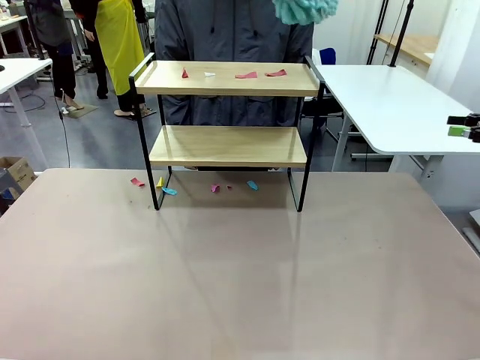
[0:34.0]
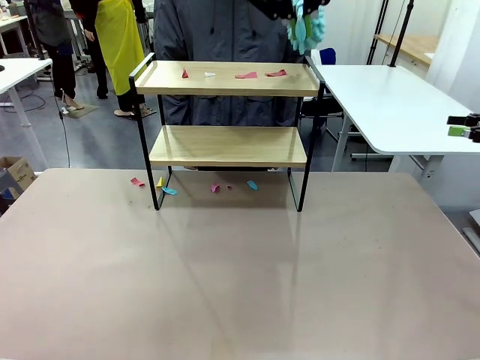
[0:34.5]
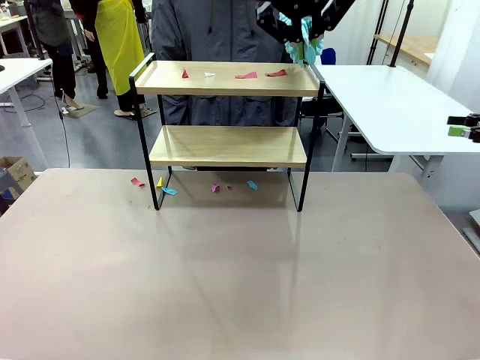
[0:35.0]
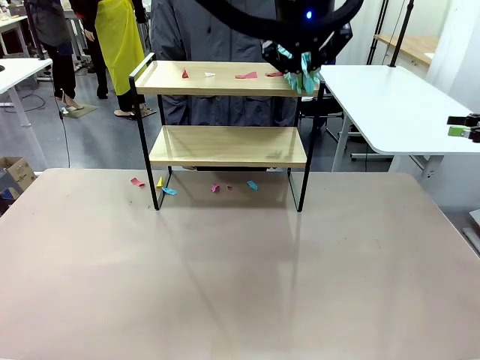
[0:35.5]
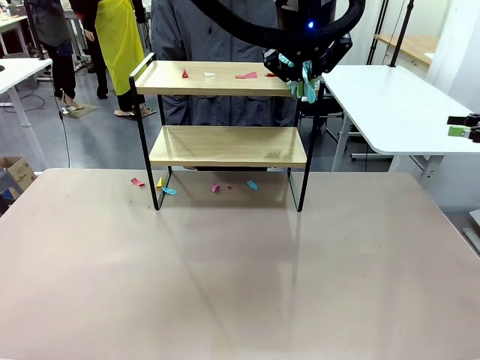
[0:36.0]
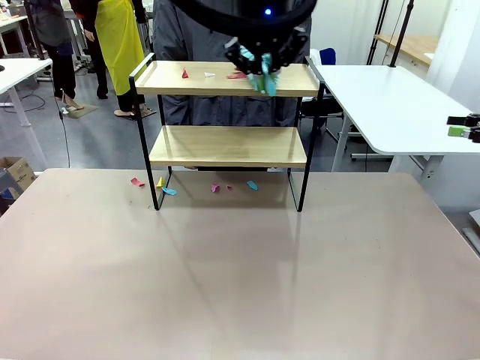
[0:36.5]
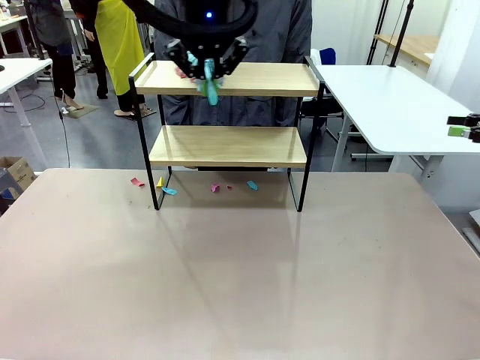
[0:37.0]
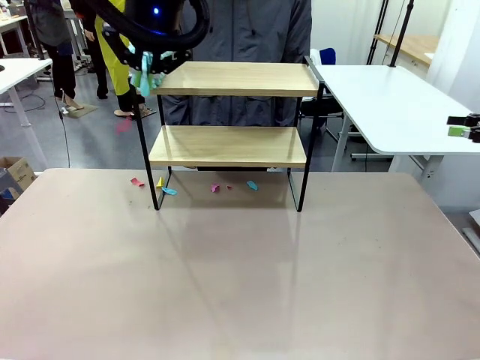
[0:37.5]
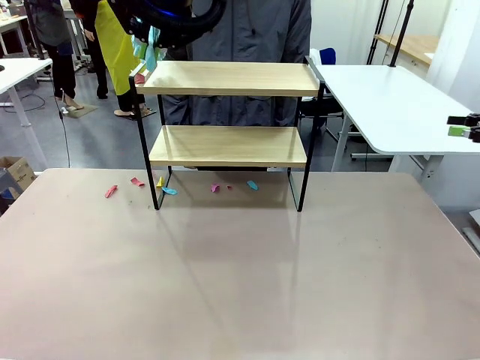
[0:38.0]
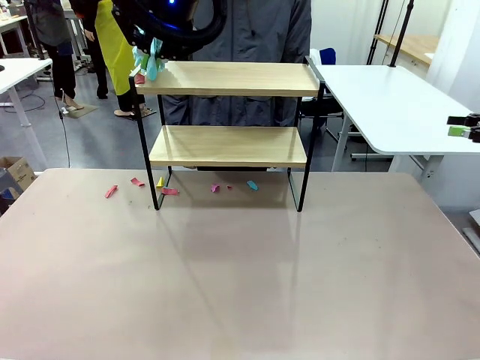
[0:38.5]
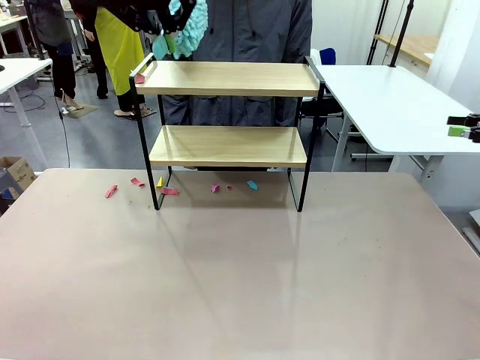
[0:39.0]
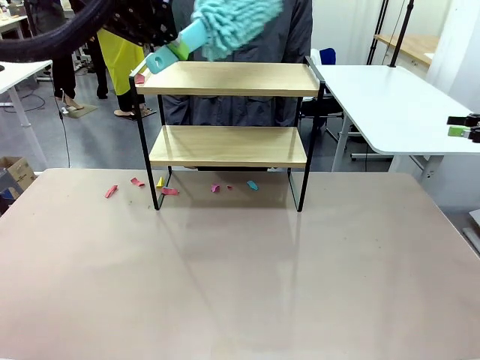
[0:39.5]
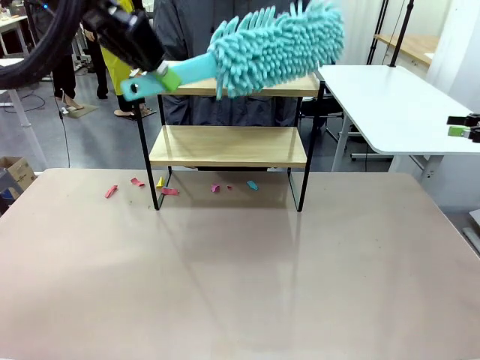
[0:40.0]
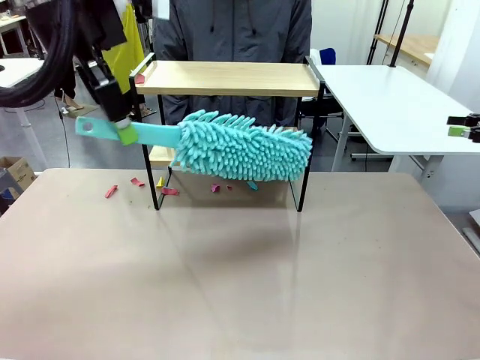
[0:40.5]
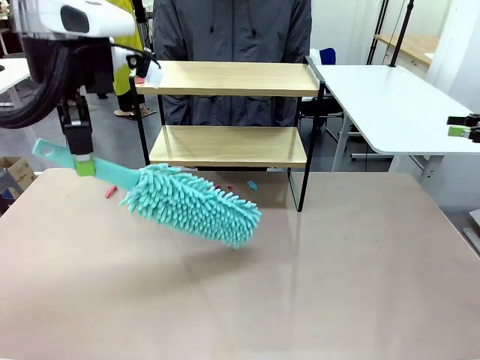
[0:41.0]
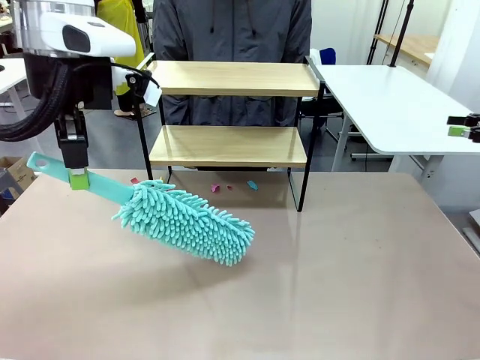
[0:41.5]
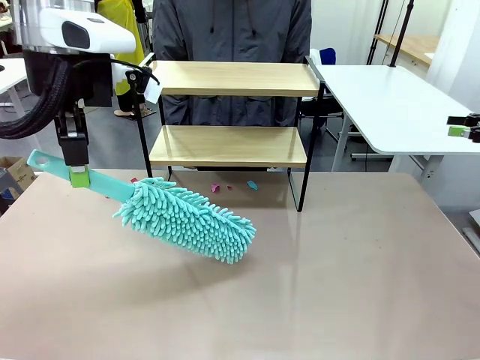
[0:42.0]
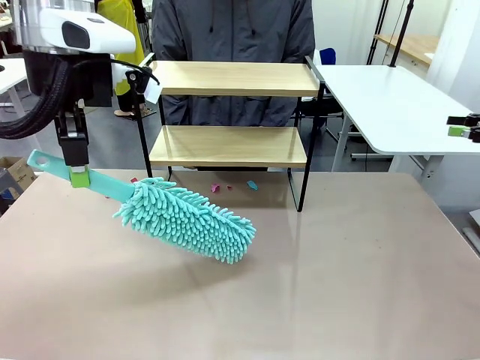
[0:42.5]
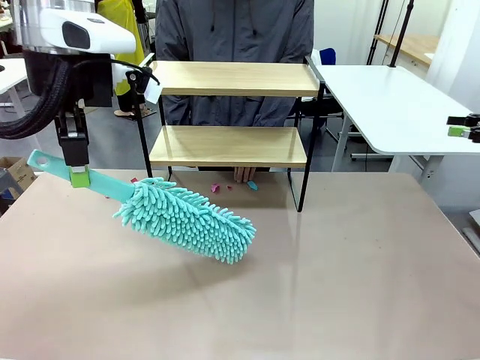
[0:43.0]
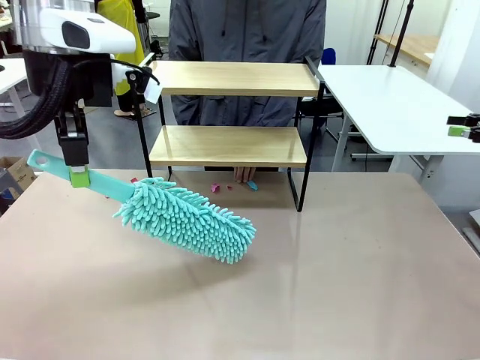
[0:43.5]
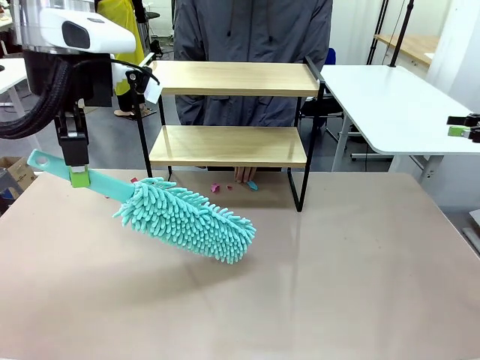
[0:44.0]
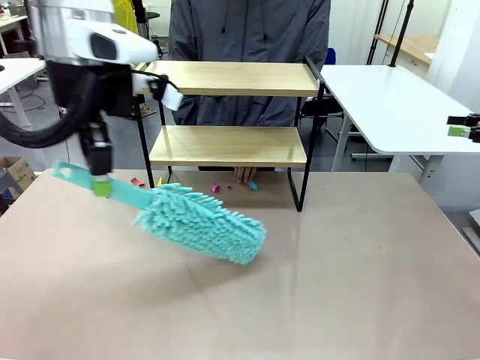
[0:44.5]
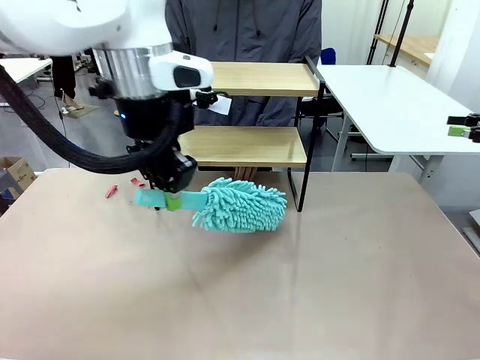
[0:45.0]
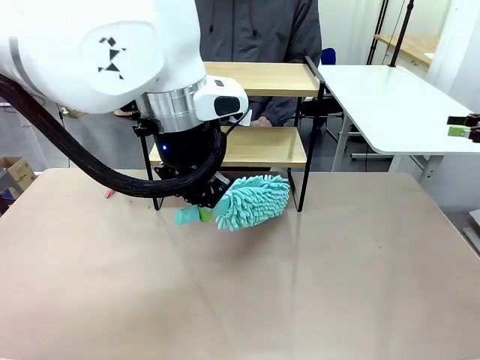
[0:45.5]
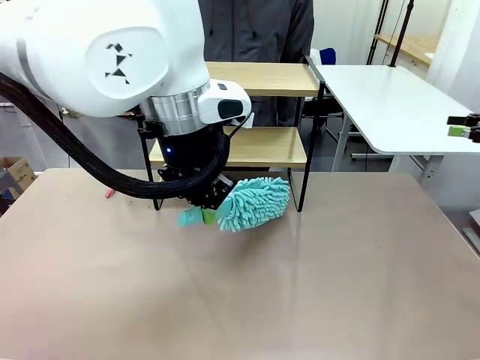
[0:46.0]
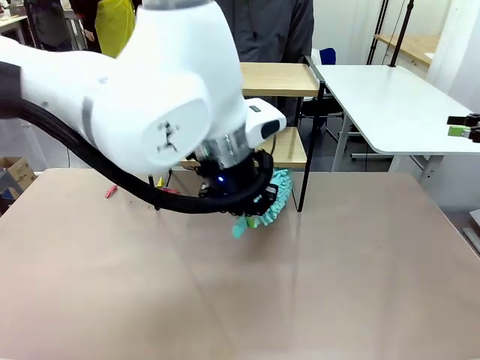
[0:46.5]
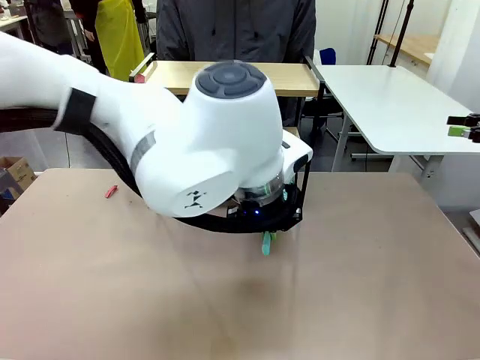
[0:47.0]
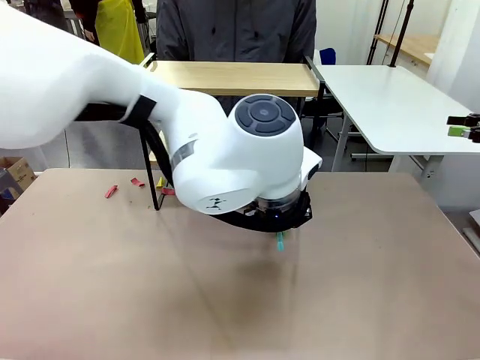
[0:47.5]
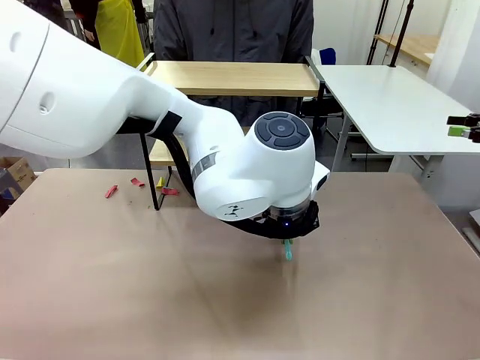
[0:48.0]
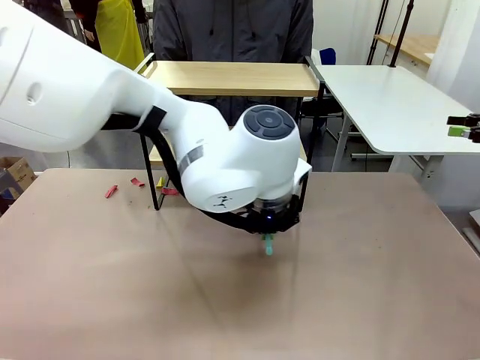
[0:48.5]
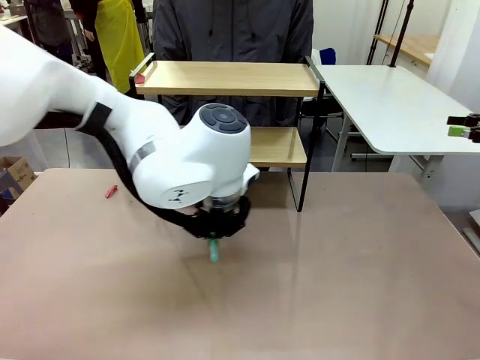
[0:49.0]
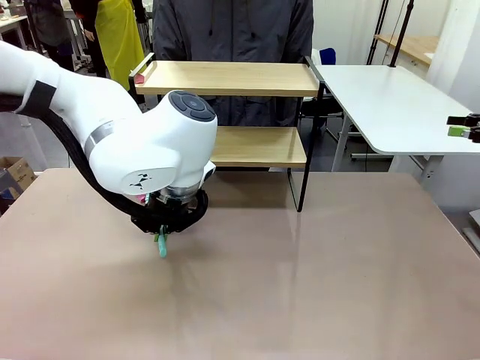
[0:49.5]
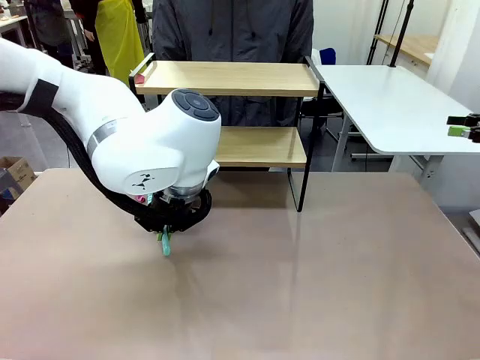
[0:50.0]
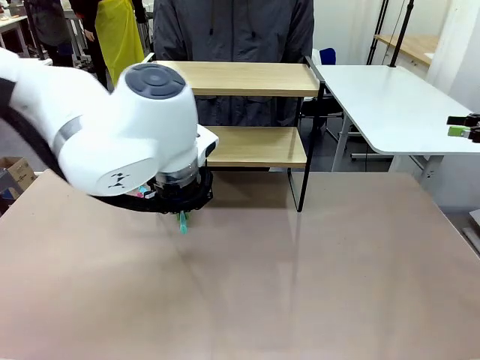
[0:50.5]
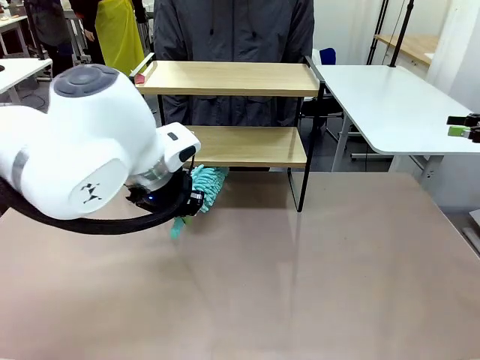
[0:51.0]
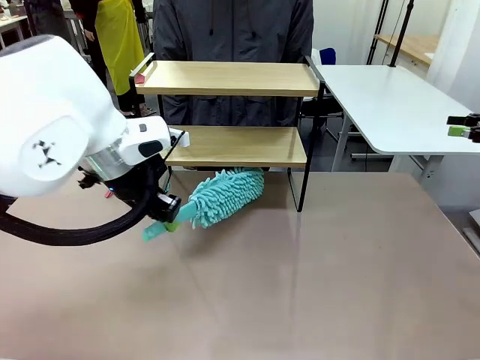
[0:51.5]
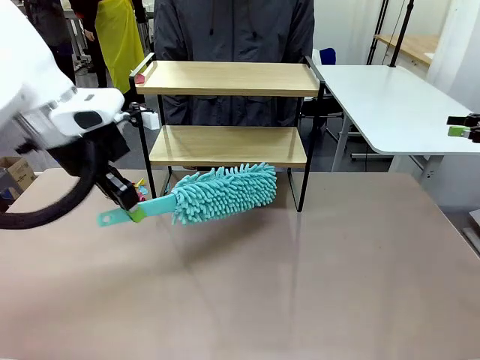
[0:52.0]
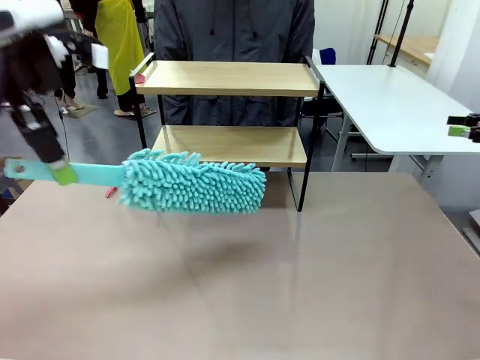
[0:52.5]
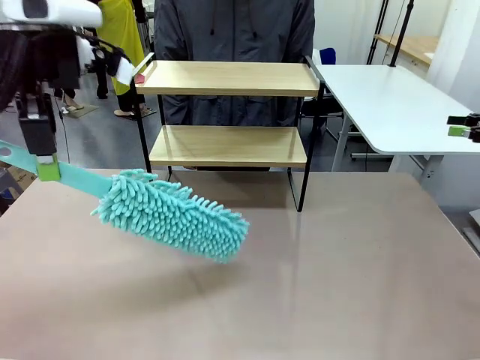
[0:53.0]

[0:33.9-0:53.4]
Task: Clean the shelf.
Robot: Clean the specific section of the Shelf indicated by the human with the Duster.
Person: Point a remaining section of the Shelf.

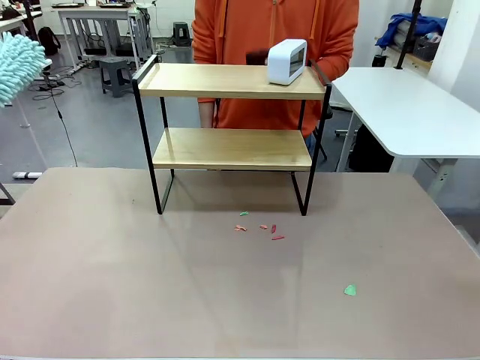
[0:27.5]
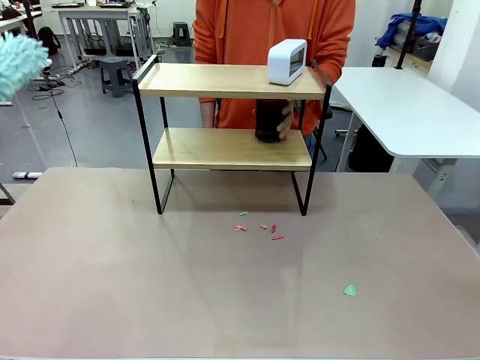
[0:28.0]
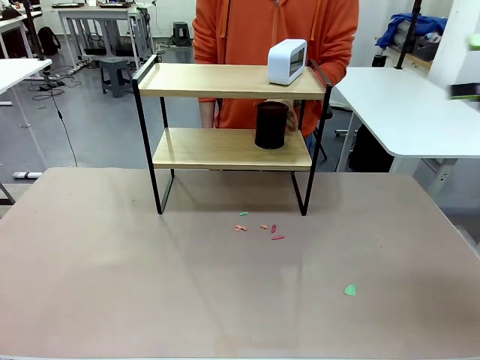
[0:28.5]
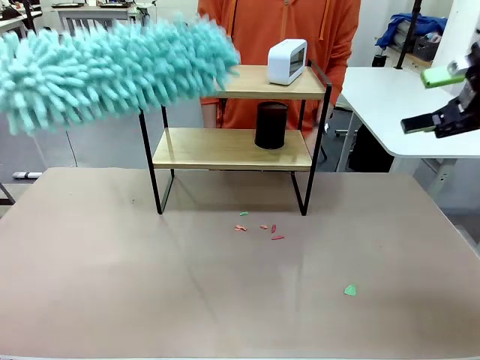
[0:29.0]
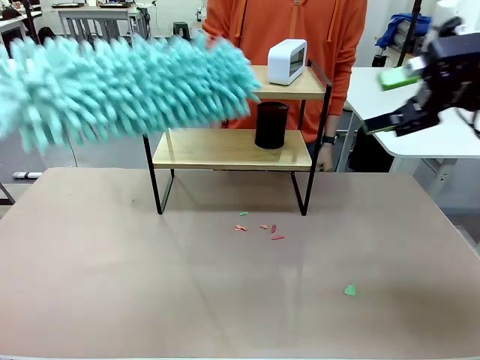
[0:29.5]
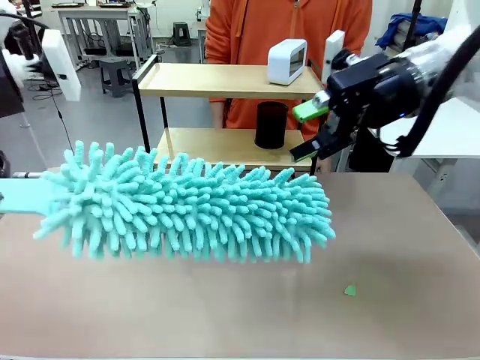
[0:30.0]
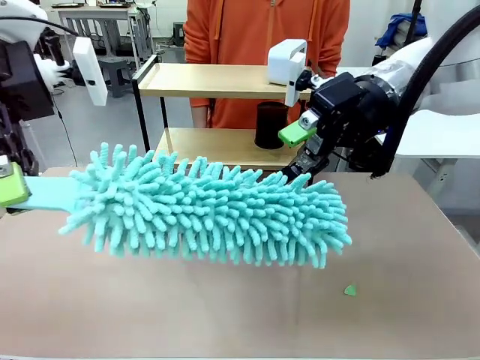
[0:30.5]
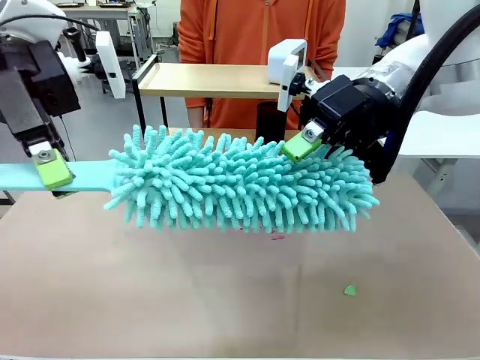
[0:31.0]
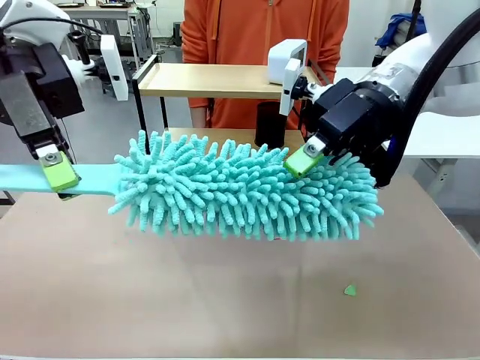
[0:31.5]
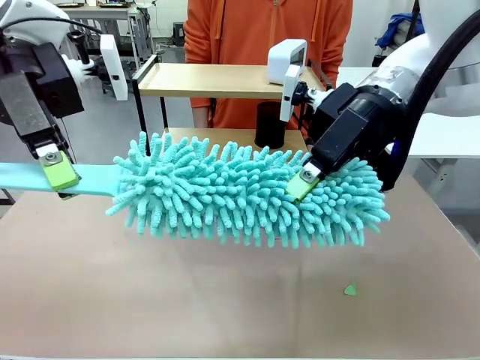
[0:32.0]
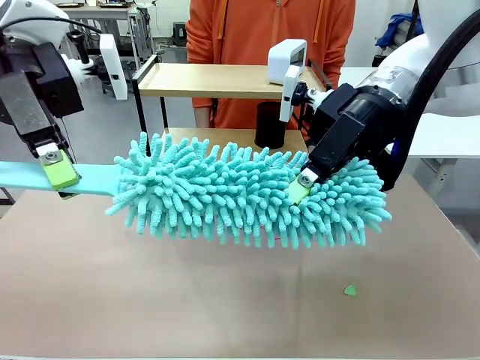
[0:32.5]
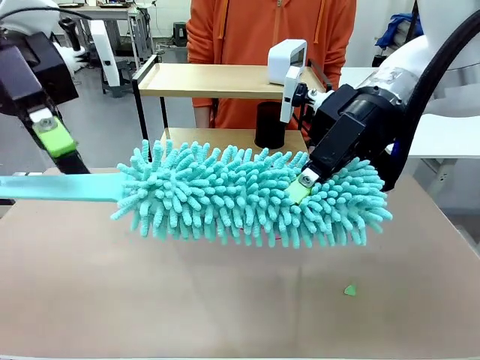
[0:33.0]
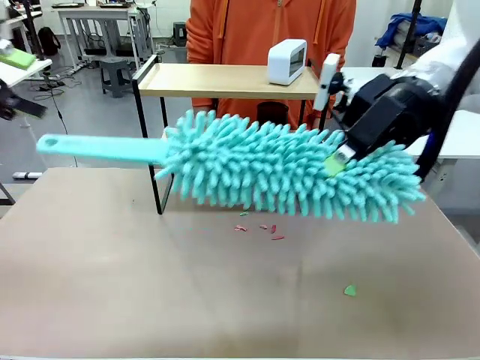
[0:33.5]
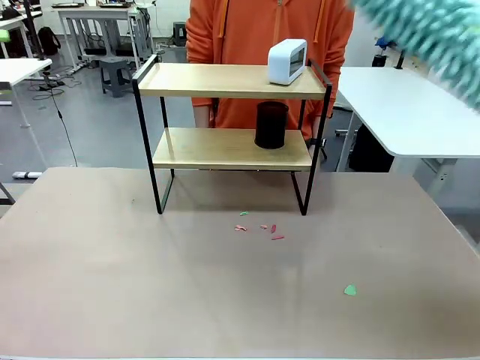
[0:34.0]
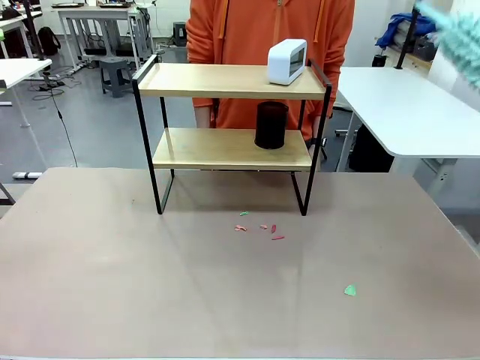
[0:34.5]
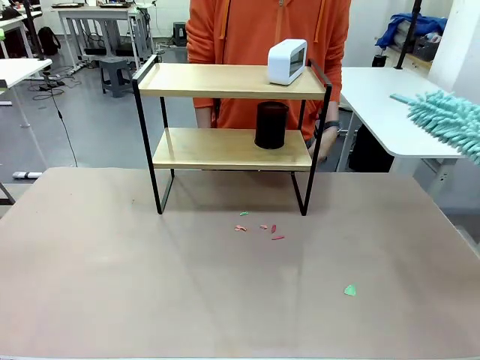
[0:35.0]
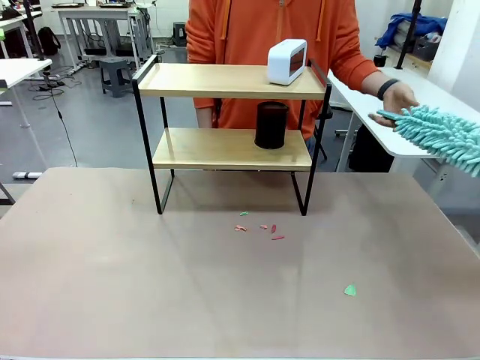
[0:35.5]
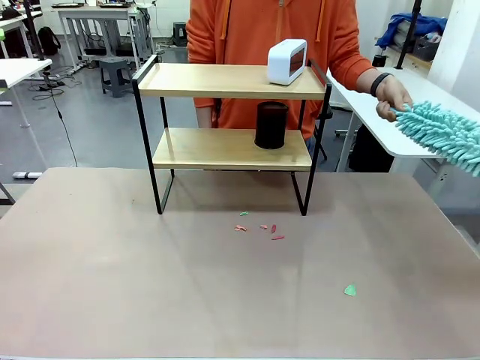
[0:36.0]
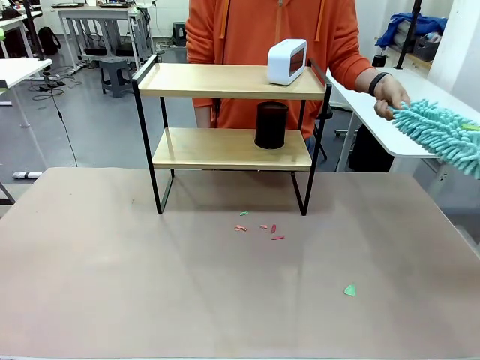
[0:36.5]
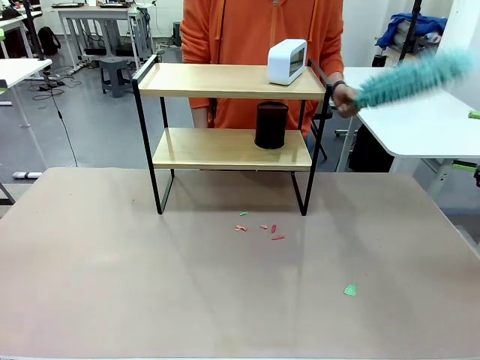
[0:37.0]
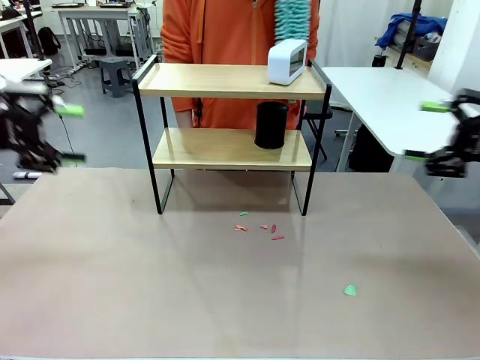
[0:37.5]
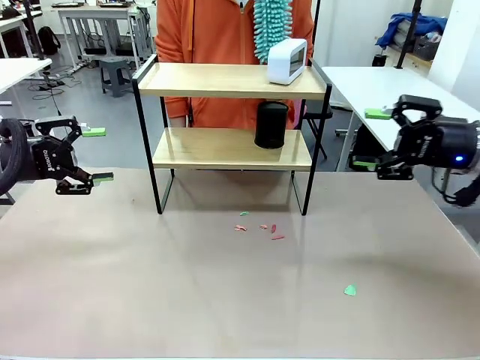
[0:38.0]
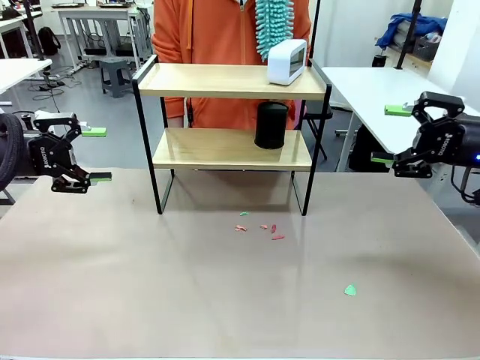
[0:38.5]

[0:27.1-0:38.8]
Task: Clean the shelf.
Robot: Hand the Duster back to the human.
Person: Receive the Duster from the robot.
